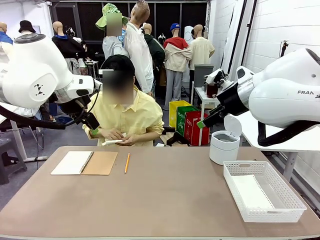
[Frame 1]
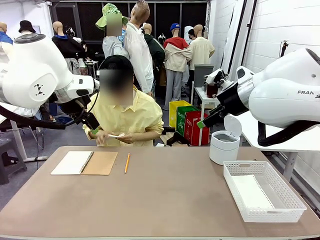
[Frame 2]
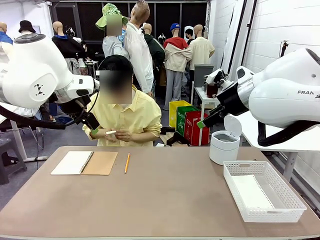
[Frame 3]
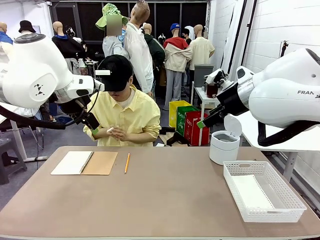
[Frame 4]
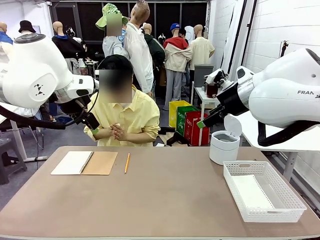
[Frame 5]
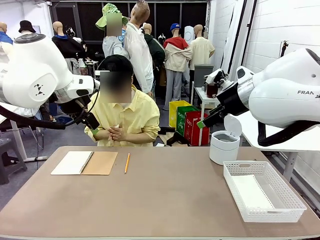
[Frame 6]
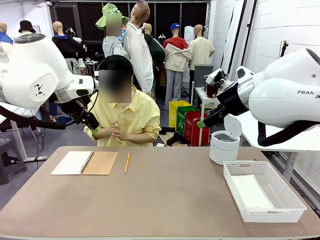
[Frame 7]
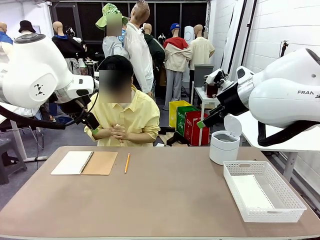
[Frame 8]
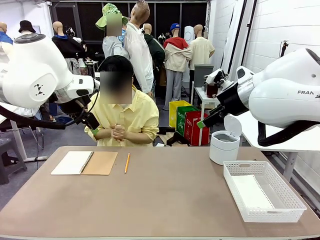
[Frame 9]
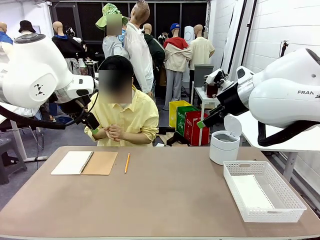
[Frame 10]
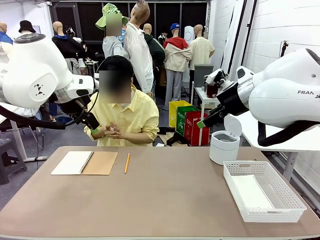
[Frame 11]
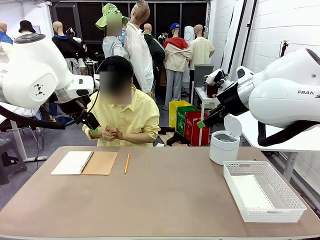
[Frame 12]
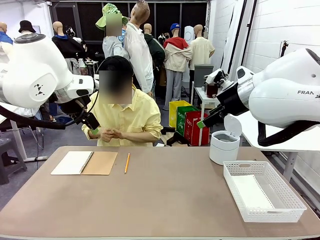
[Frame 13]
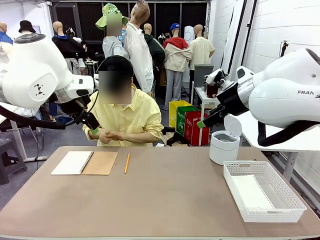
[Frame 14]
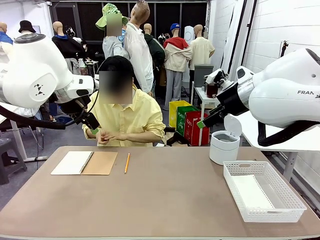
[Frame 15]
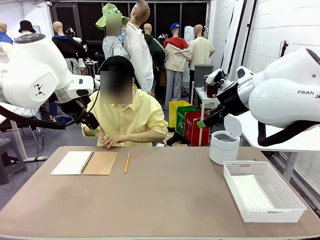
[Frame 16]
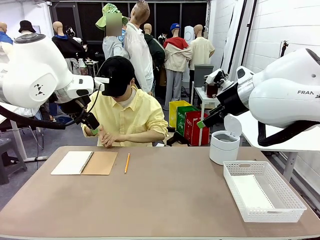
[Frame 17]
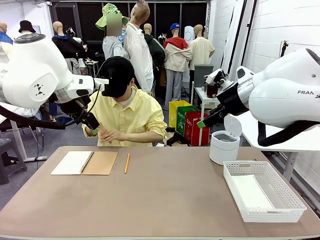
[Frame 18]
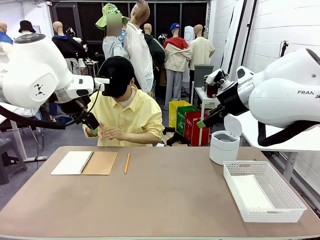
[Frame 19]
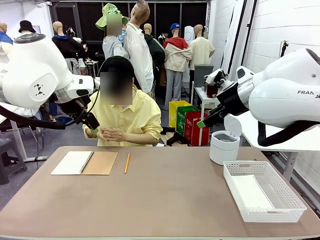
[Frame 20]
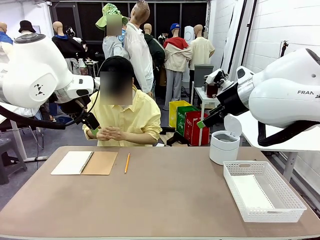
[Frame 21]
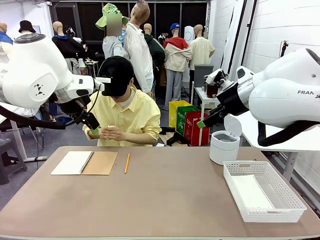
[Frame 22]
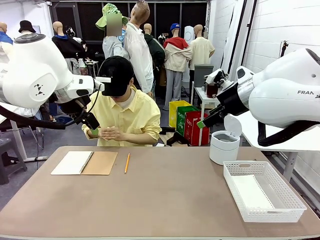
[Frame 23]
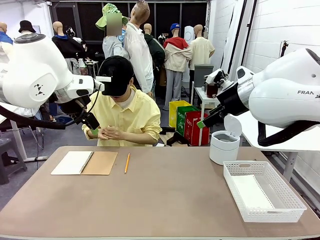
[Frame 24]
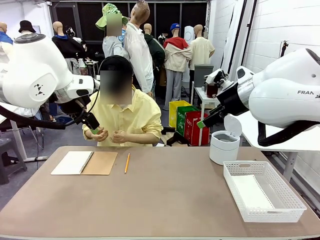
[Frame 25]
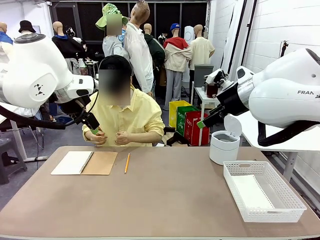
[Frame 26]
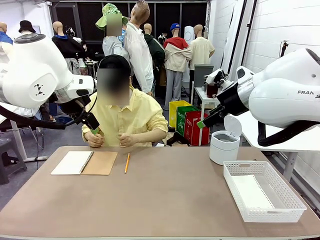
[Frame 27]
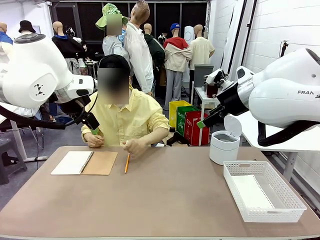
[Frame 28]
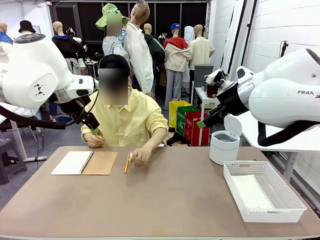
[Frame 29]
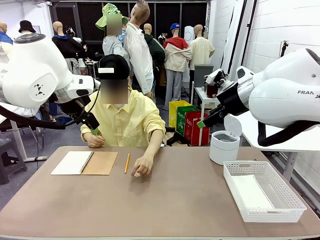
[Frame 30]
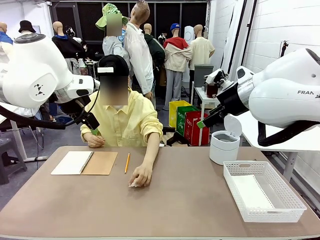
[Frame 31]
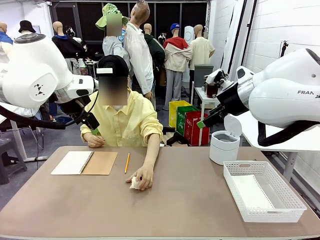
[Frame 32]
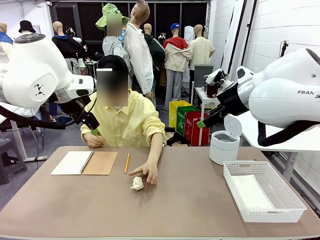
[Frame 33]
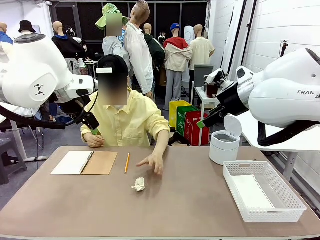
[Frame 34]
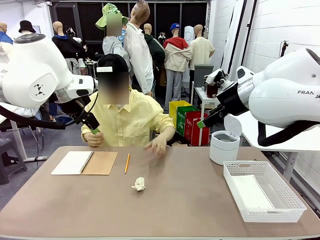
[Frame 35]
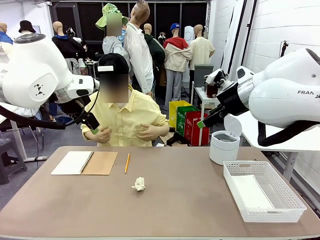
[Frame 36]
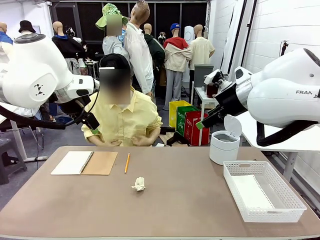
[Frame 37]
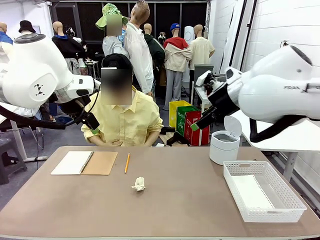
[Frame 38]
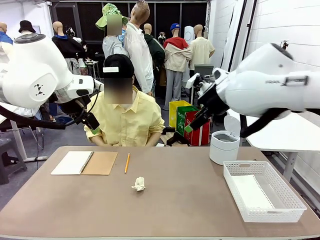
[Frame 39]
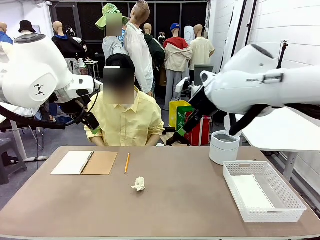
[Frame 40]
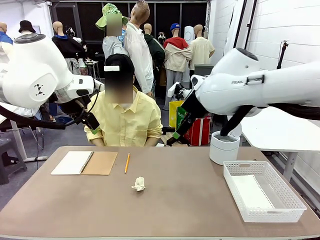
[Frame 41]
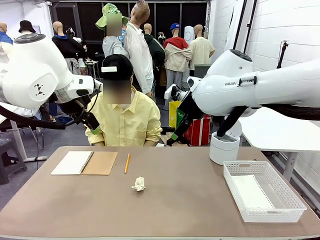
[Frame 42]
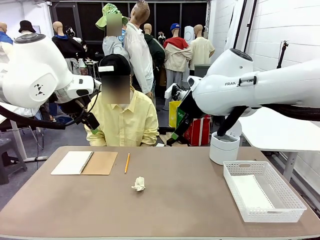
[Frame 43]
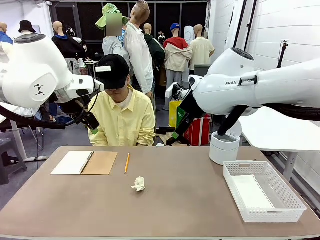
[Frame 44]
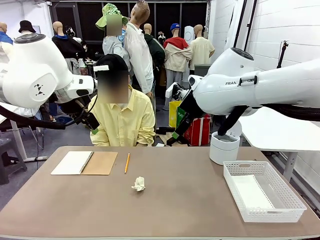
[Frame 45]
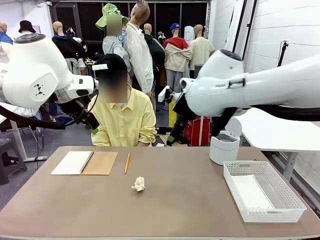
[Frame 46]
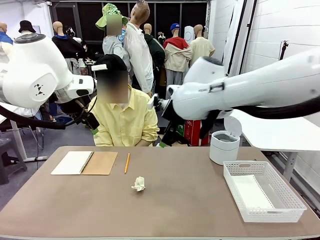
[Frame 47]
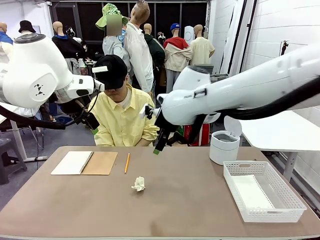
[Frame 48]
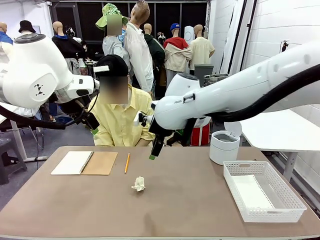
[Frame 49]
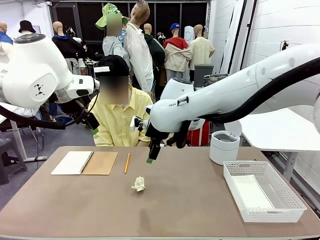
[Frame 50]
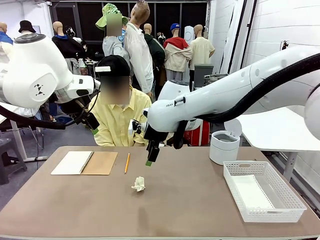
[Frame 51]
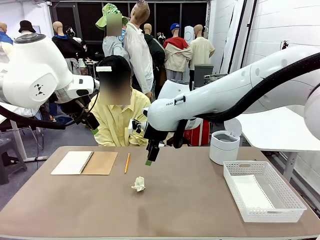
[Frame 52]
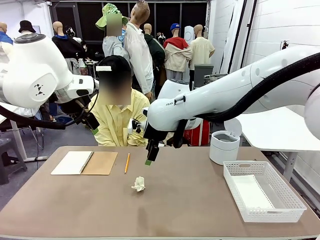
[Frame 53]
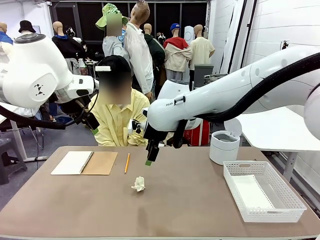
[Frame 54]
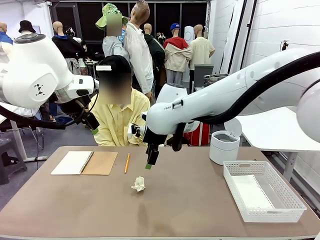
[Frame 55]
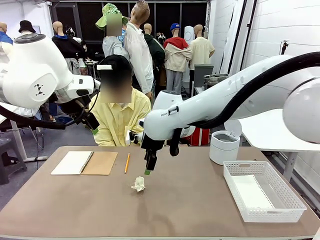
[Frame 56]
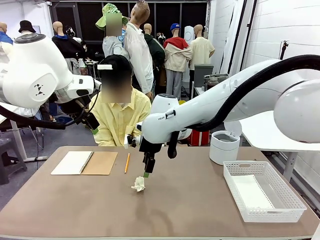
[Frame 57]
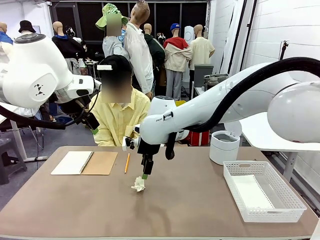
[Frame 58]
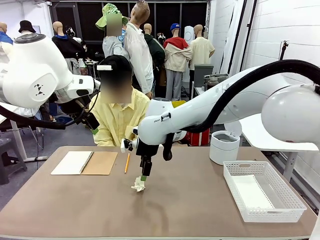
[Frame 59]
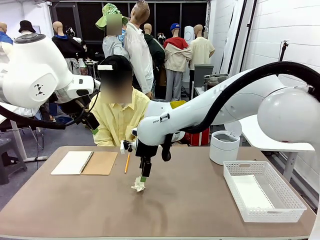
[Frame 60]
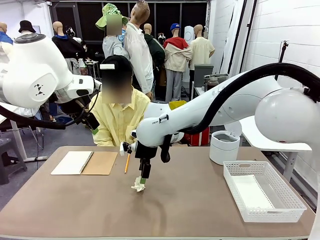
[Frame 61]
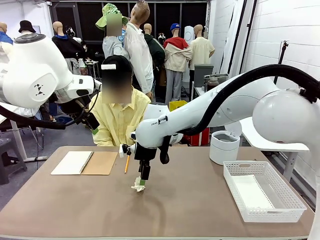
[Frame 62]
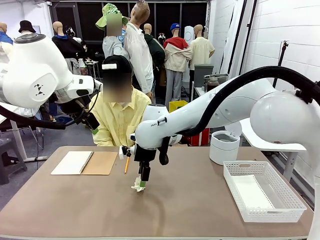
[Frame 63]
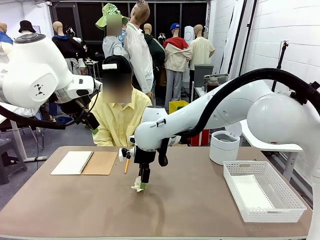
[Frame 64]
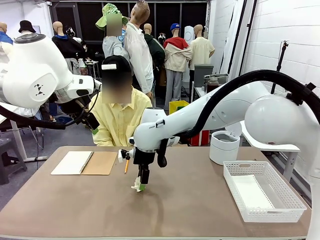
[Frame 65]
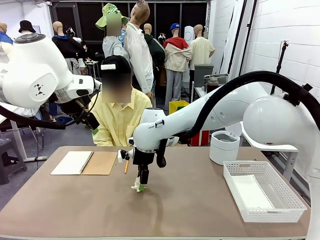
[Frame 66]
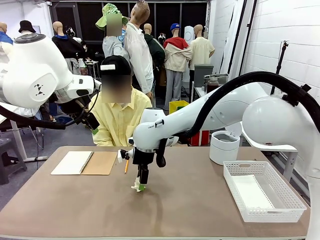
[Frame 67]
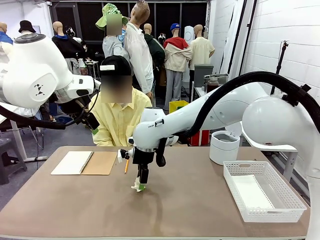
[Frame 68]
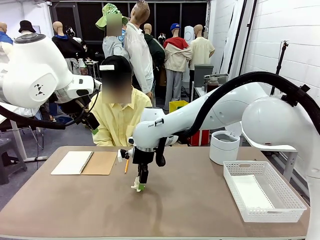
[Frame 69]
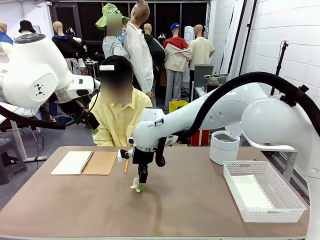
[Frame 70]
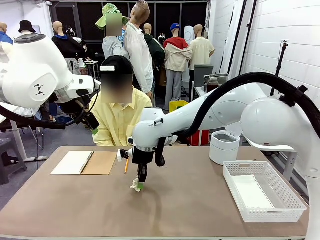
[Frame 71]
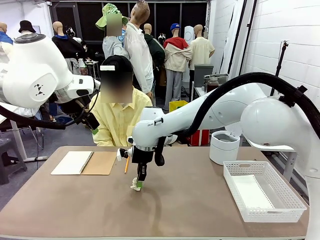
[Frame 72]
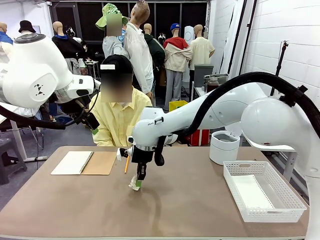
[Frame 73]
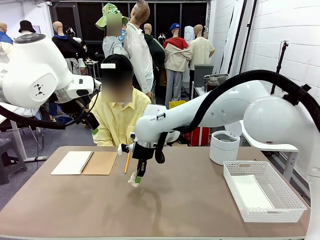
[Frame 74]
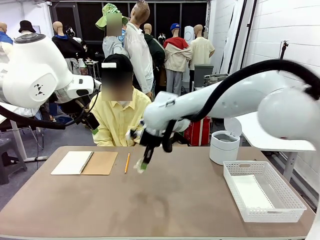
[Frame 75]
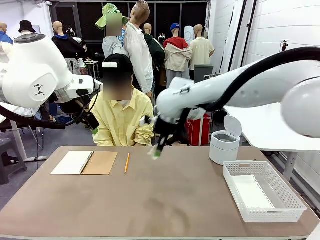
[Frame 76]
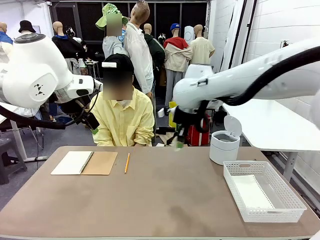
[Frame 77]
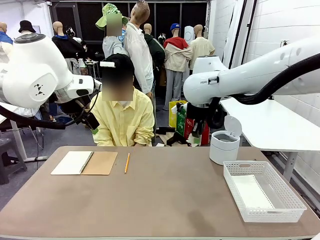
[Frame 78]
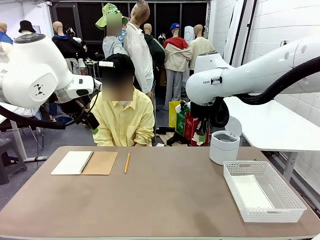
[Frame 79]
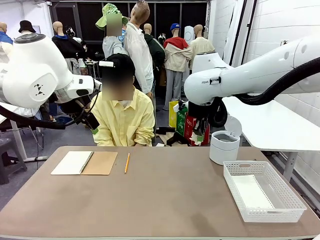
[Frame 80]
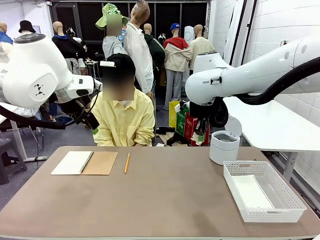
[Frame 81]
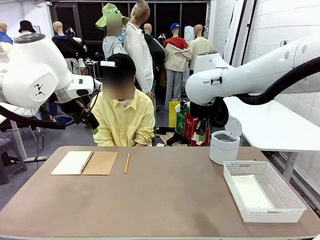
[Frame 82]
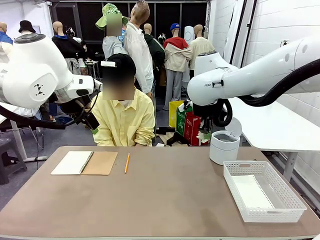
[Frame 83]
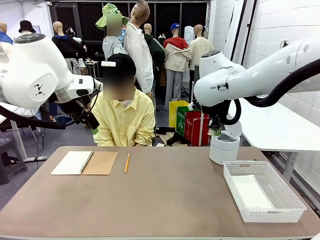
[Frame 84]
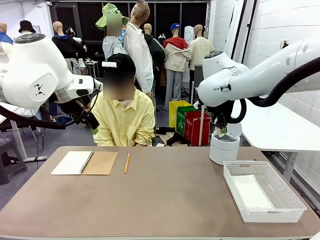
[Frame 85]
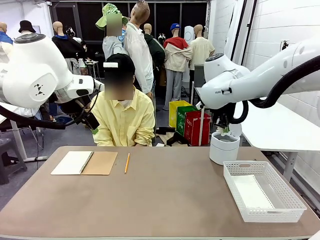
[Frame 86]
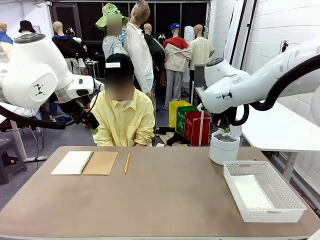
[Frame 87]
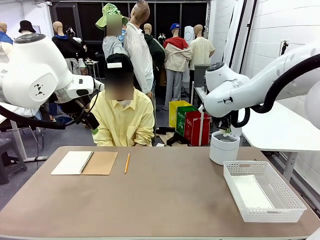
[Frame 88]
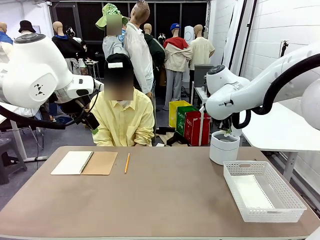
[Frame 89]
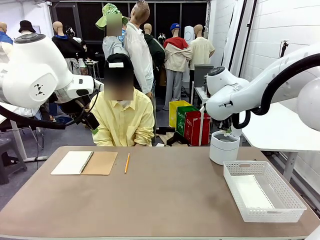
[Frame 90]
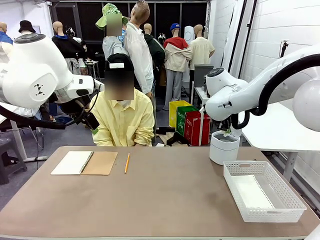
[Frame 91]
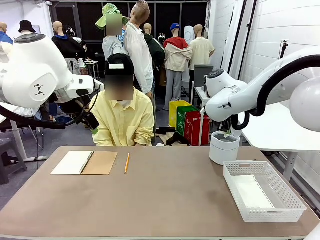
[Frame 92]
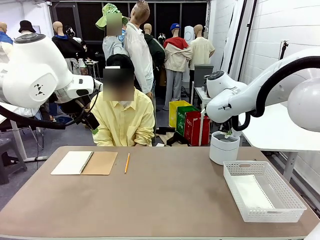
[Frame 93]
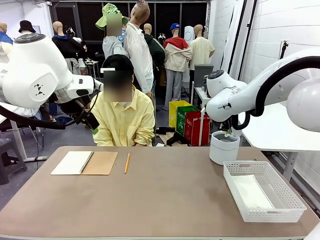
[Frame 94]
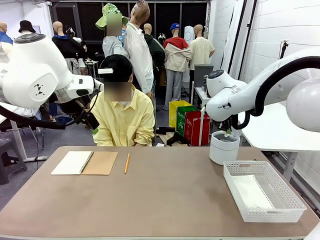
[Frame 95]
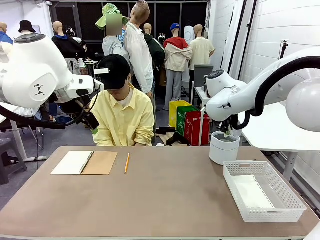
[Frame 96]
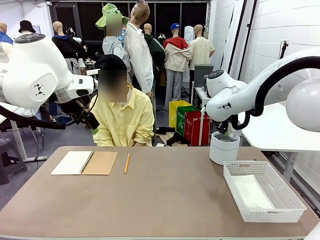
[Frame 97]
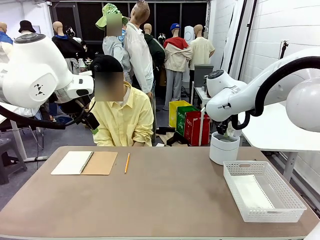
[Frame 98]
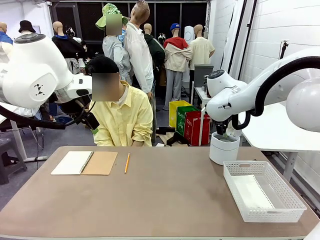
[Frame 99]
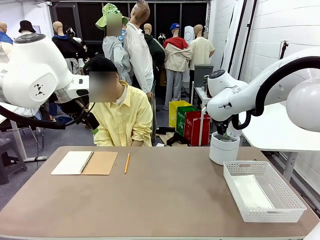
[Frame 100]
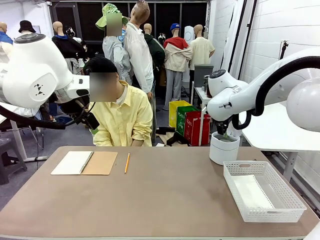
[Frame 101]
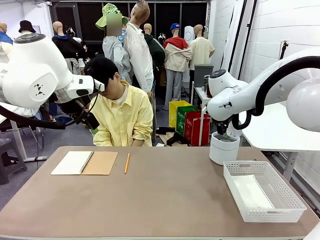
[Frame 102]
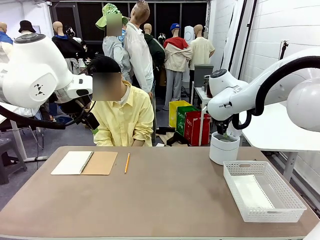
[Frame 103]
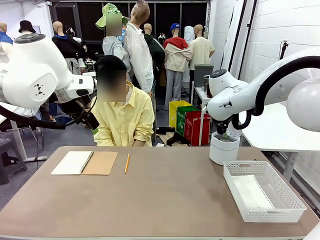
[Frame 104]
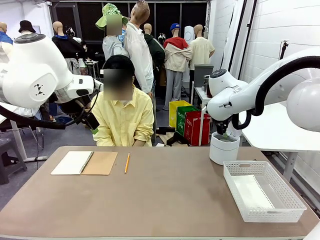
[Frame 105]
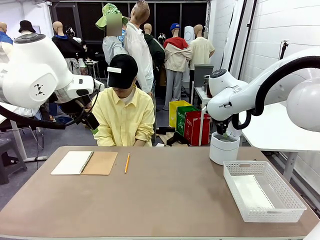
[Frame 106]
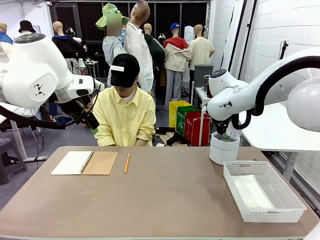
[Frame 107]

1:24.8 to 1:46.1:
Task: Sort the paper based on its condition.
Robot: If a person hands you a paper, place it in the Organizing basket , and if it's crumpled, put it in the Trash can.
Person: Hand the torn page to the robot or crumple it and throw it to the center of the table.
